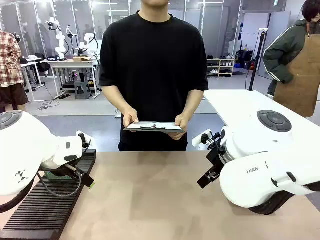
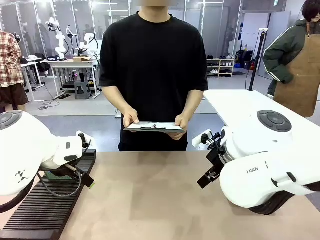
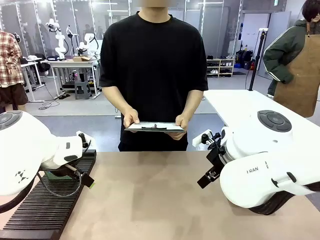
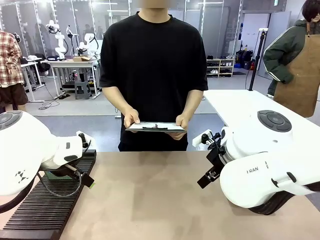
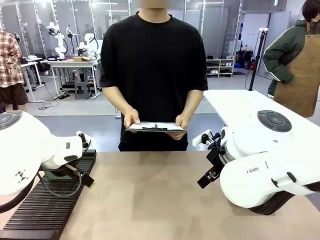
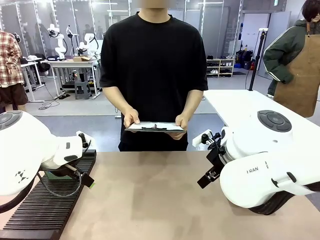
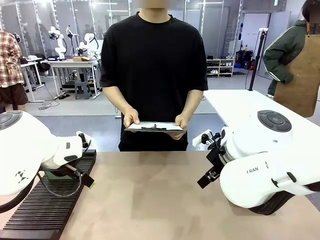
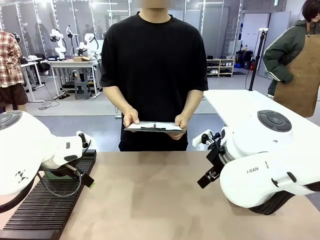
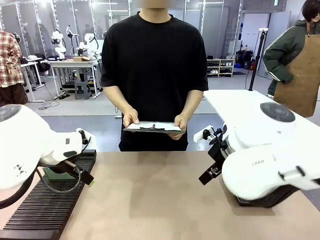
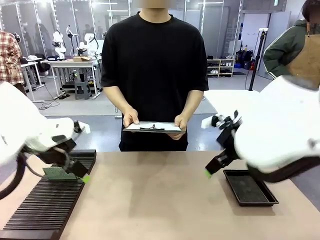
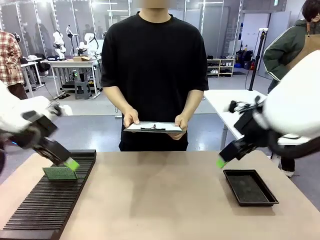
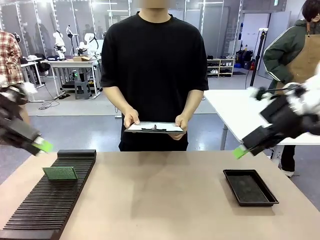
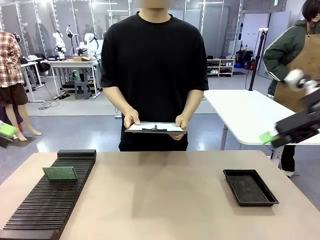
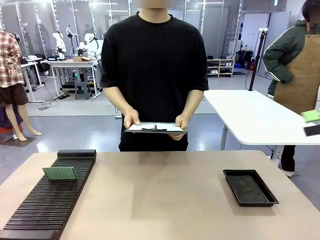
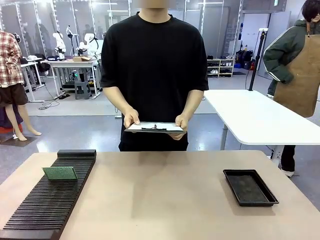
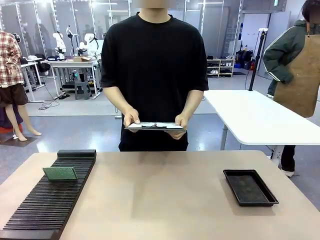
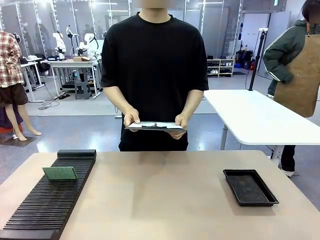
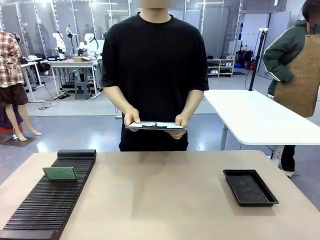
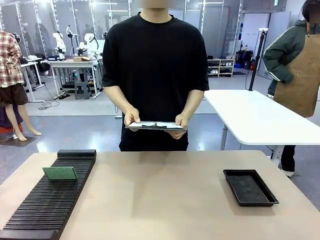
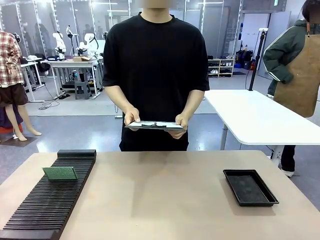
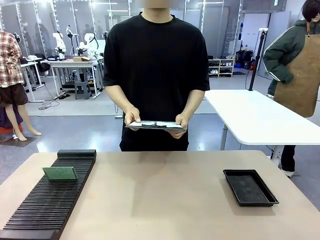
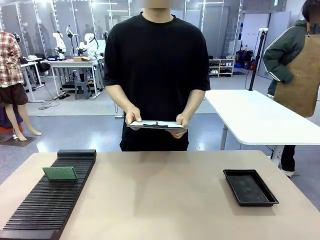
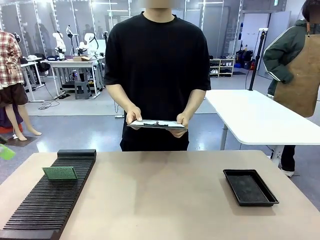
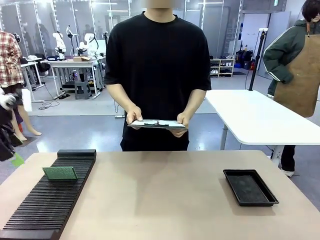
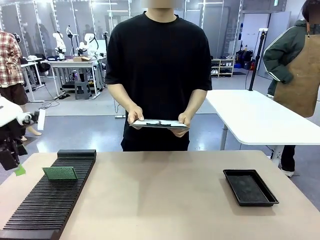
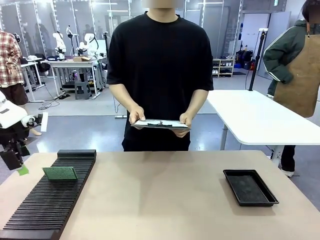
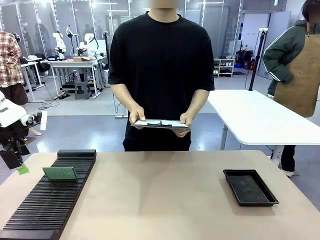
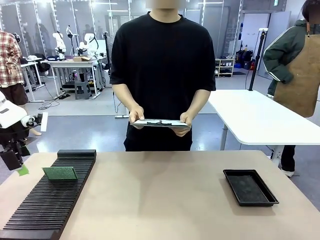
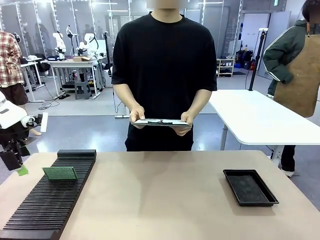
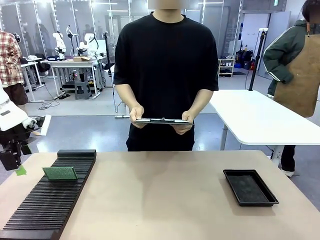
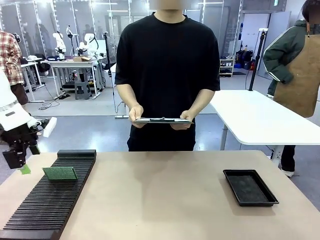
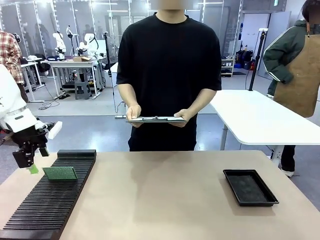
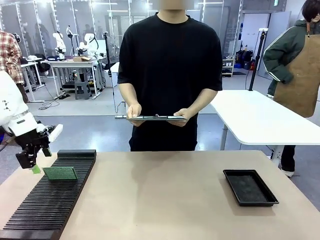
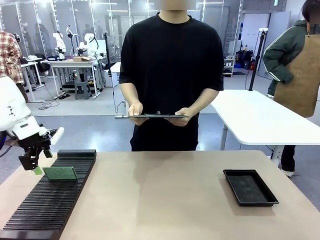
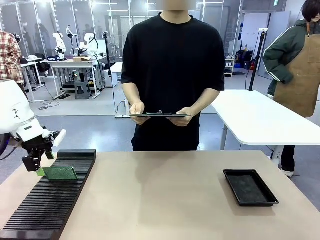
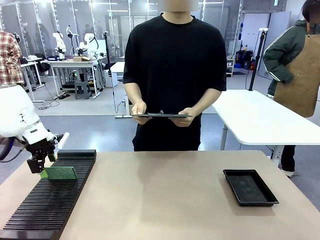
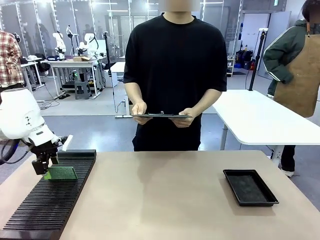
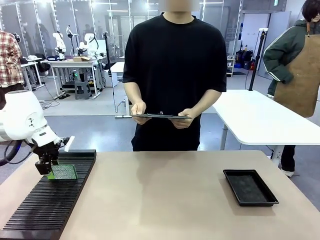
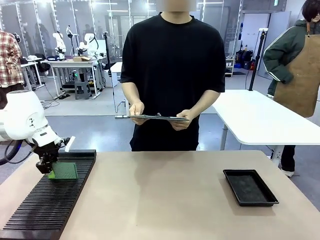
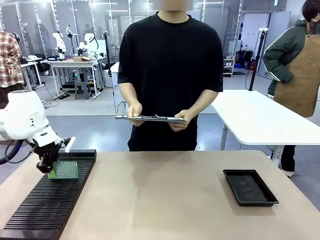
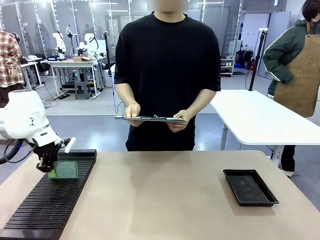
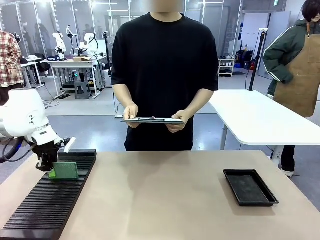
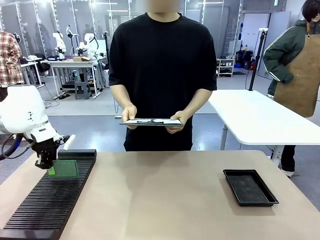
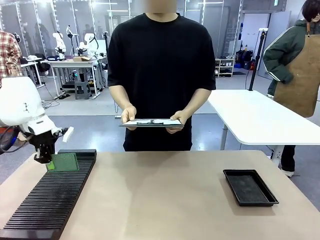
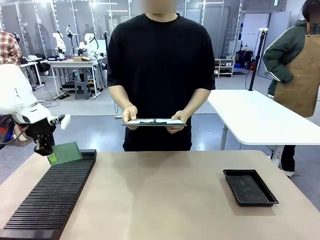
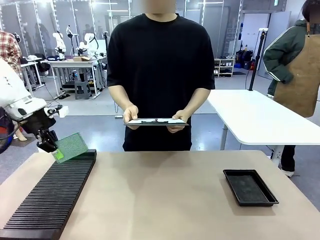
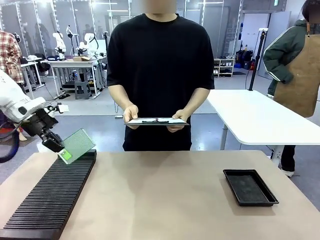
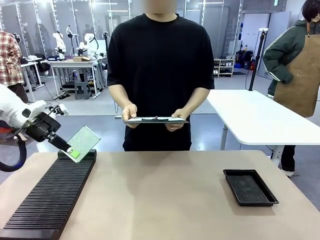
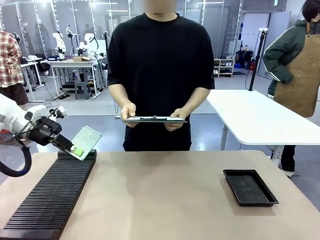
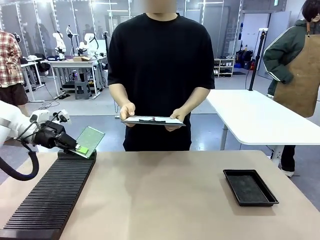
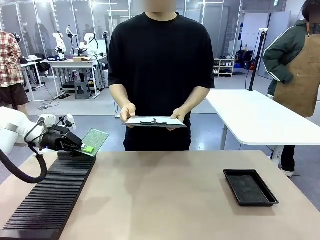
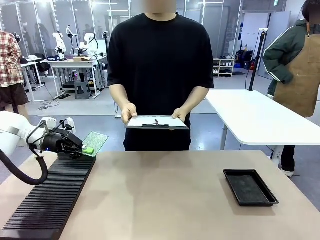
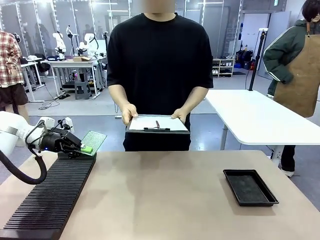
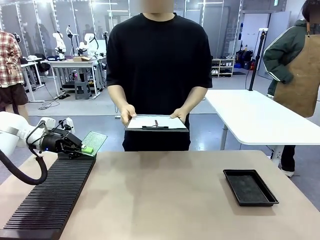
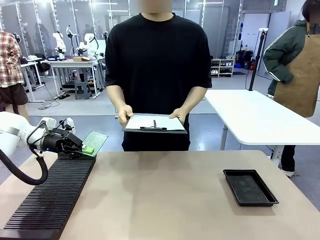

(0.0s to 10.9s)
Task: Inspect the PCB.
Robot: Pick up the Blank PCB and present it to the human.
Person: Pick up the PCB presented by the robot.

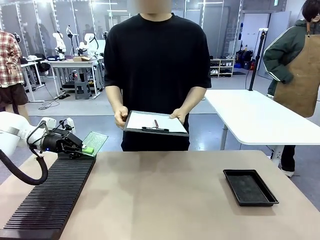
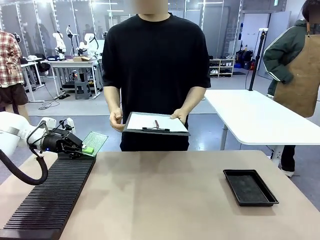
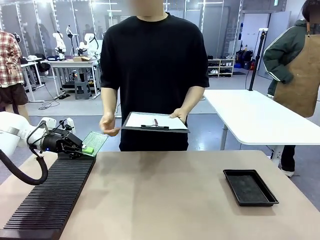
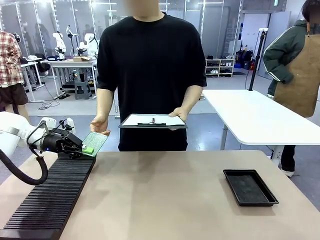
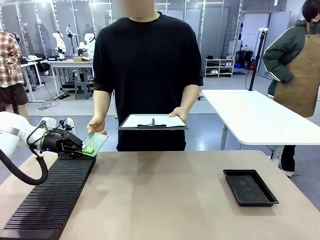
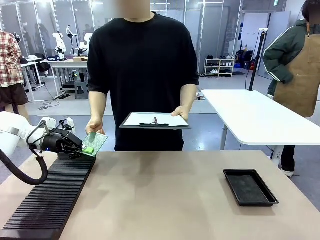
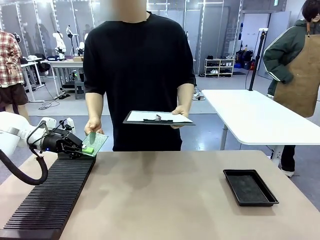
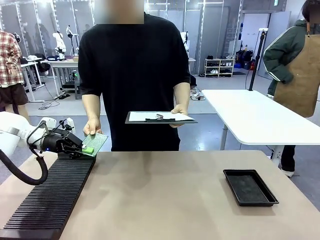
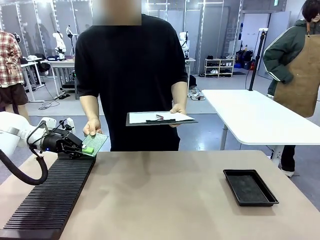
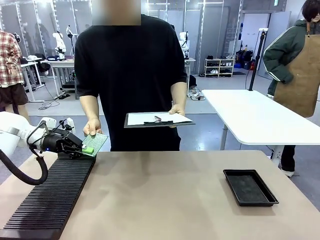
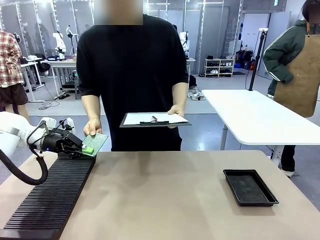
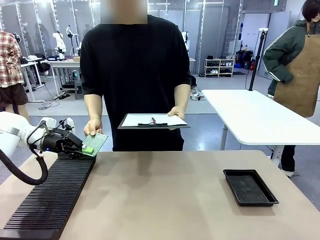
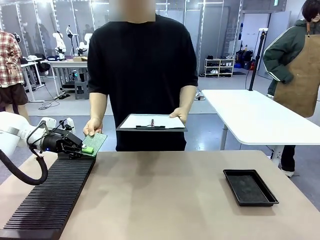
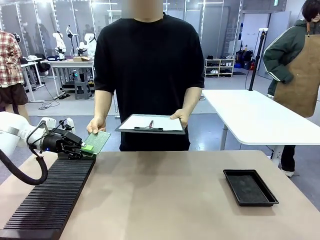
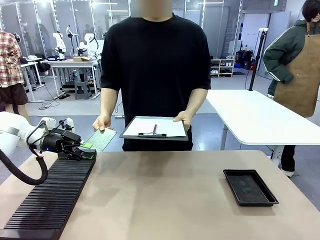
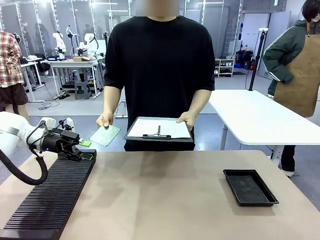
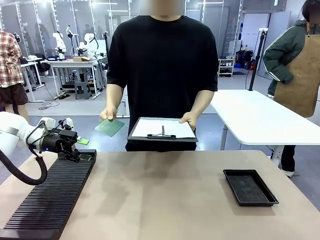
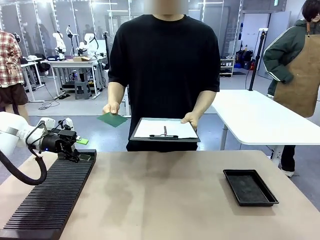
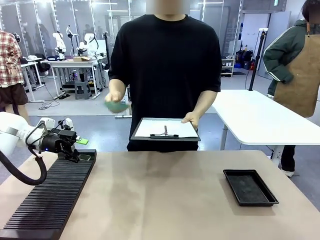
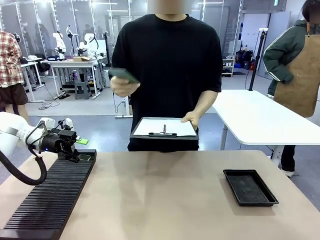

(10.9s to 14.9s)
Robot: Release the Blank PCB you were holding.

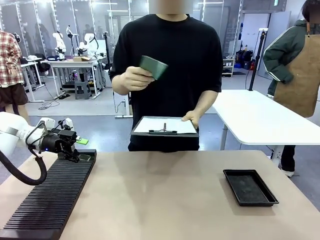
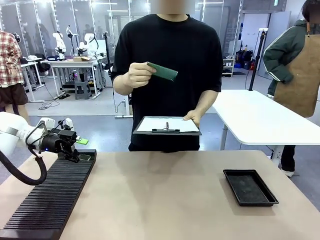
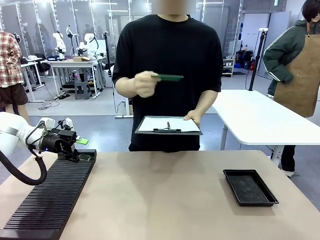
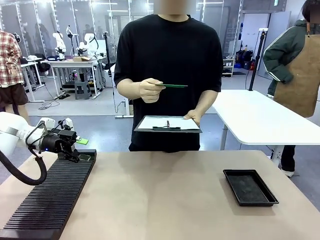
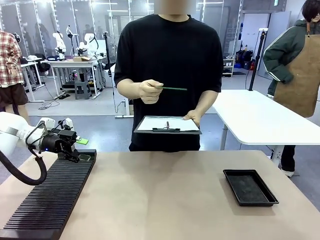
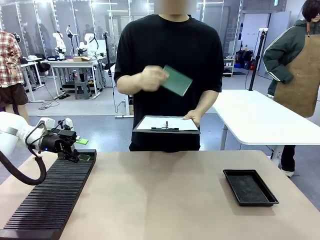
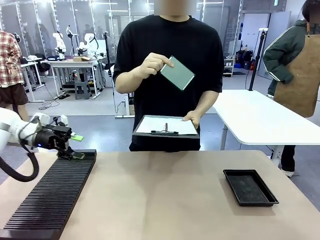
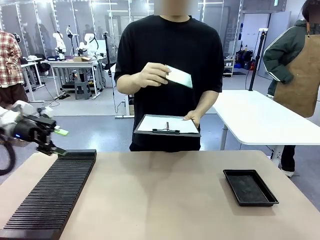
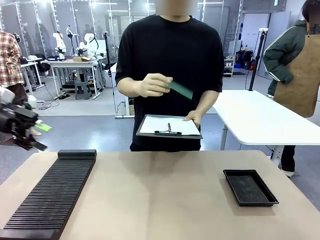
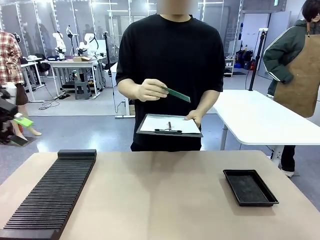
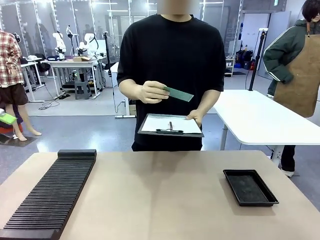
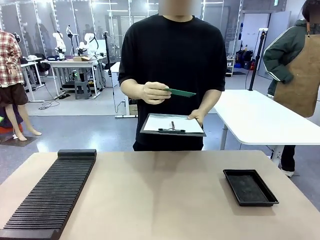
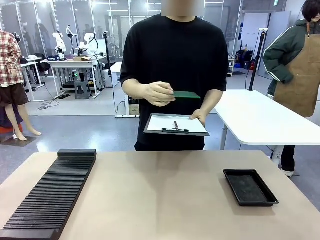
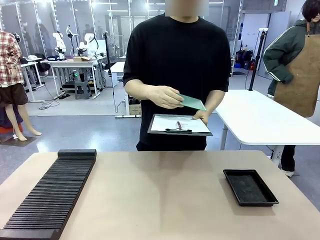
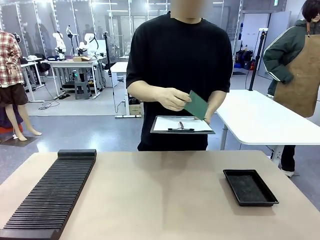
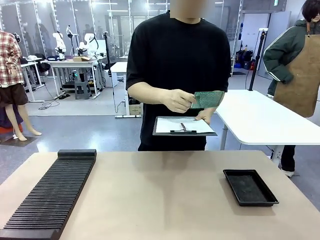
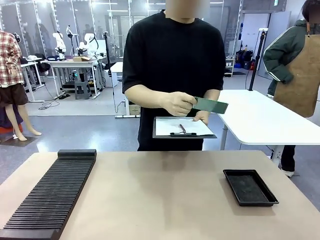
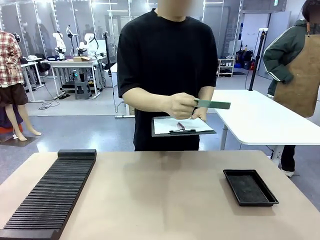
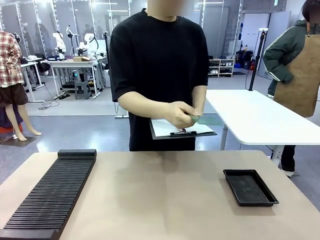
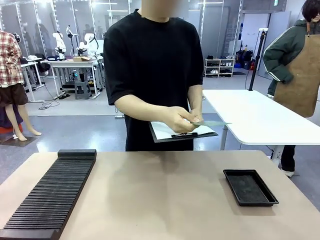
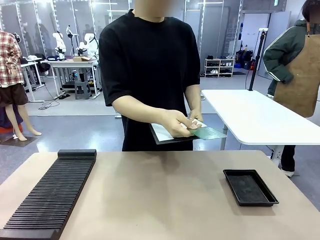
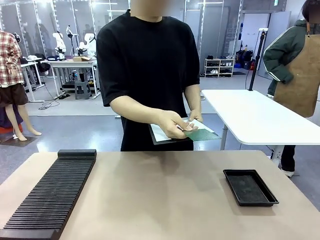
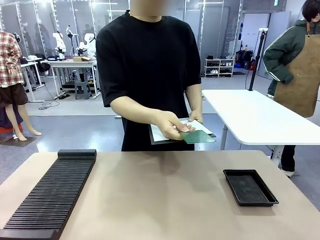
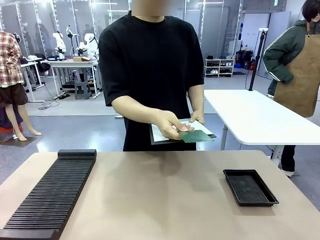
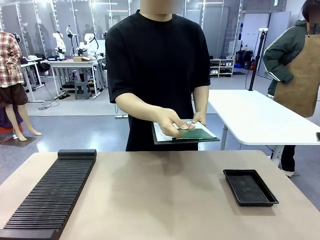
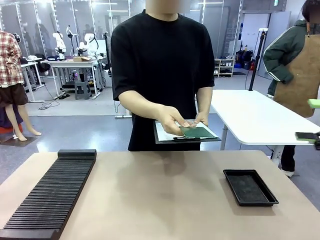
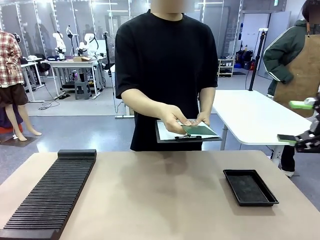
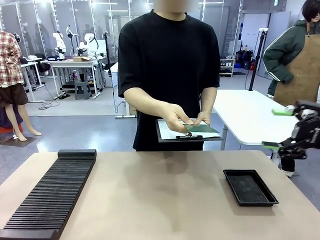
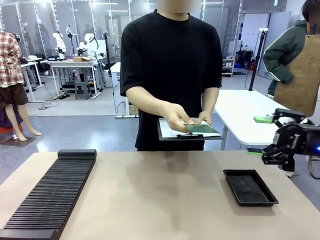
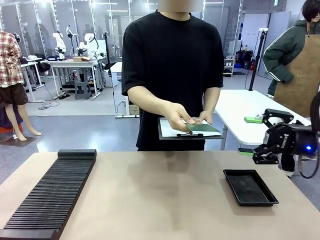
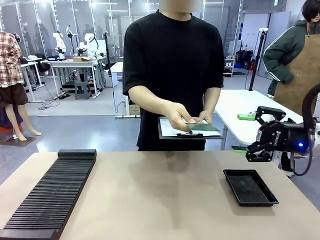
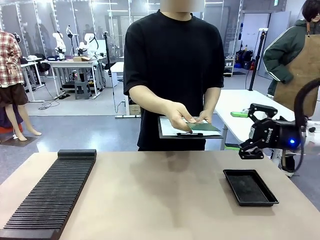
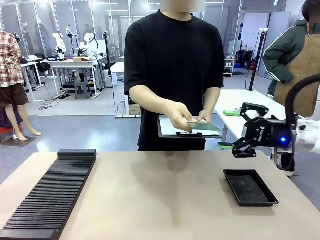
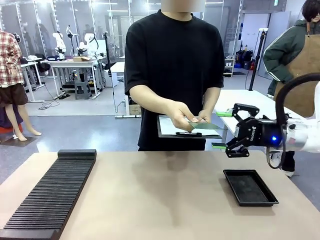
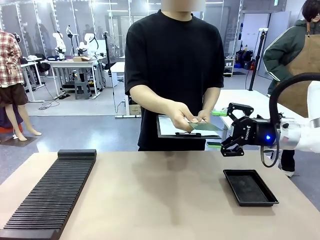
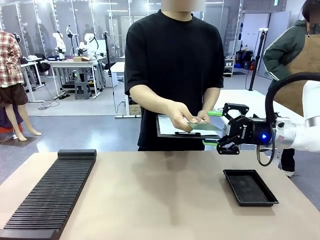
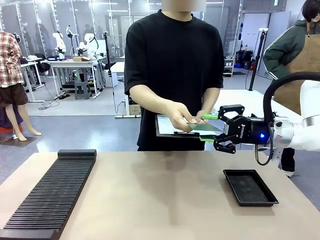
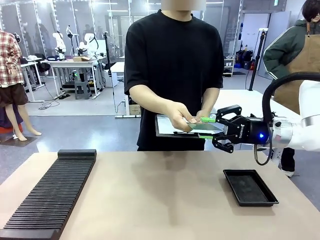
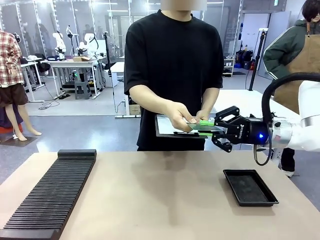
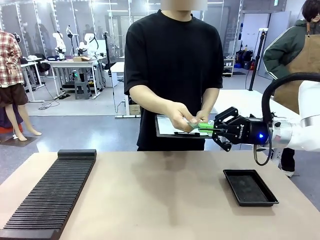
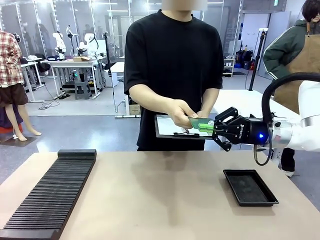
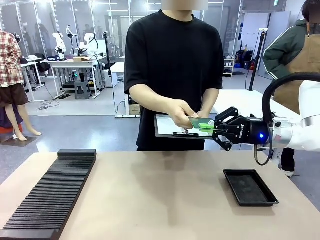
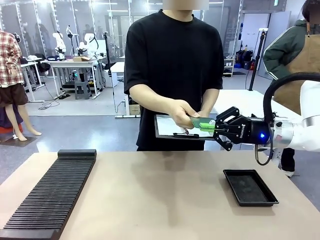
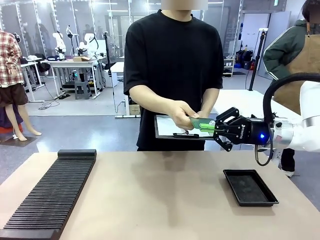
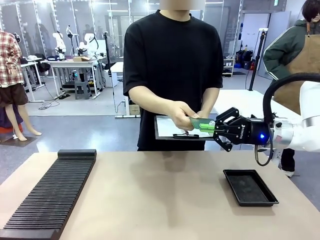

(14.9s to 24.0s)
Robot: Pick up the Blank PCB that the human is holding.
Person: Inspect the PCB placed by the robot, then hold it out in front of the robot. Release the PCB you were holding.
